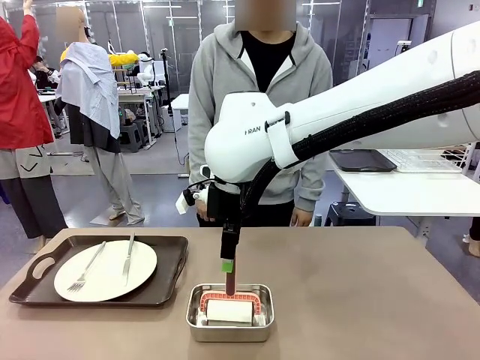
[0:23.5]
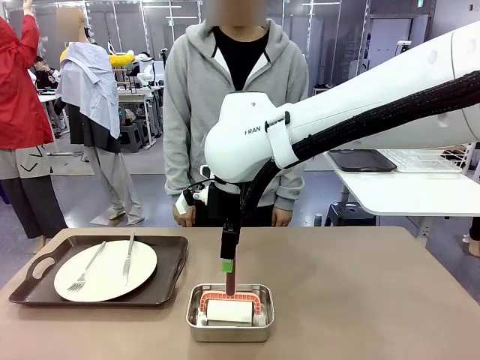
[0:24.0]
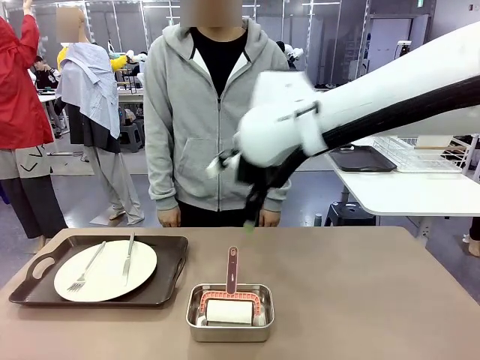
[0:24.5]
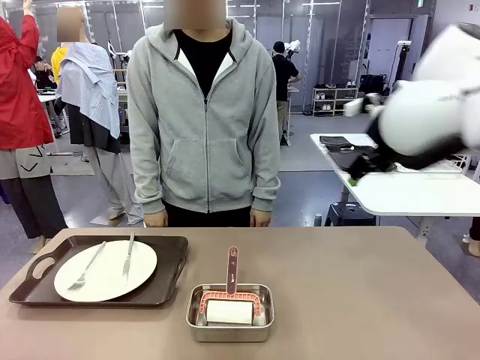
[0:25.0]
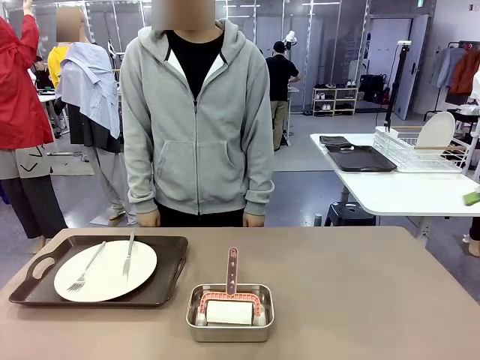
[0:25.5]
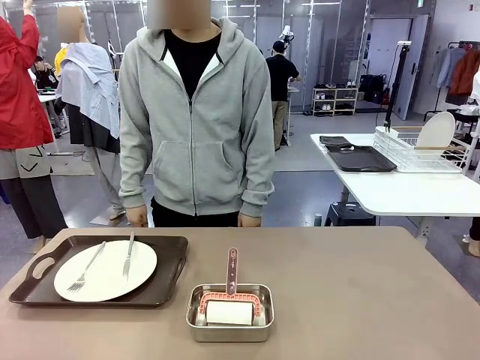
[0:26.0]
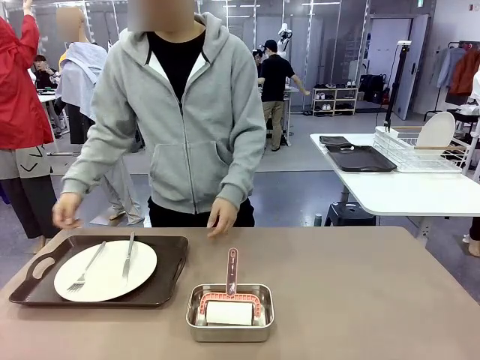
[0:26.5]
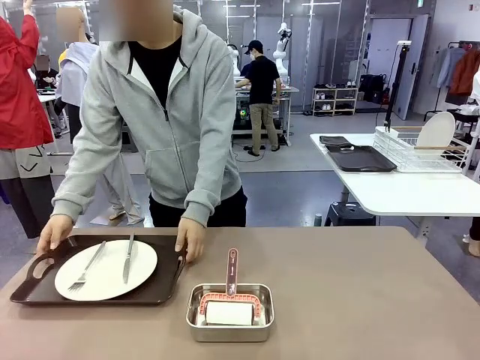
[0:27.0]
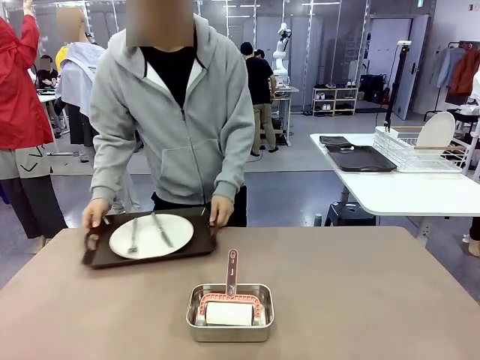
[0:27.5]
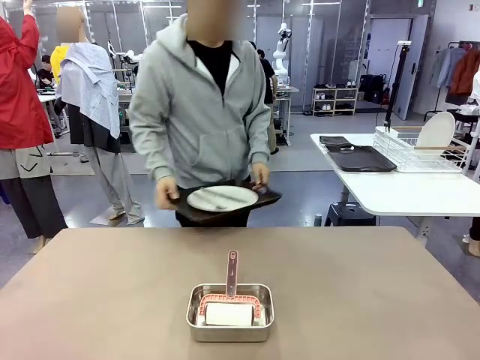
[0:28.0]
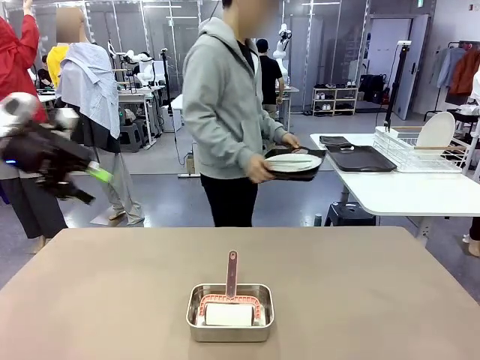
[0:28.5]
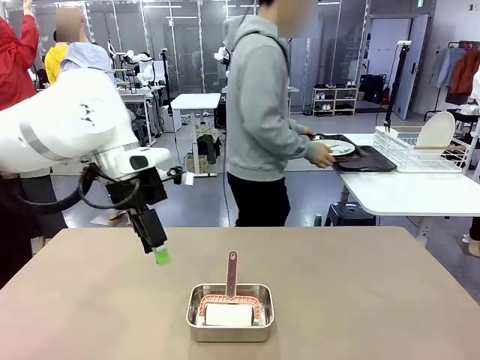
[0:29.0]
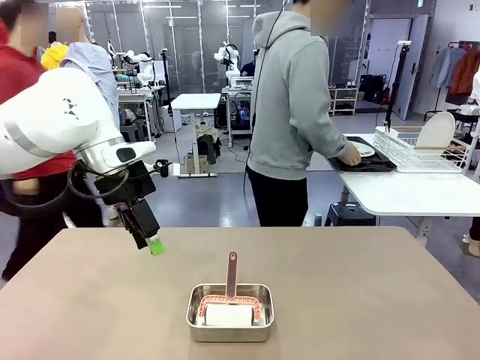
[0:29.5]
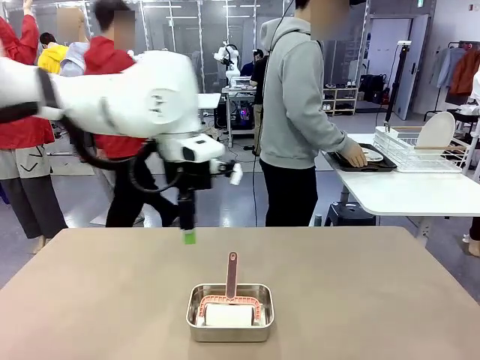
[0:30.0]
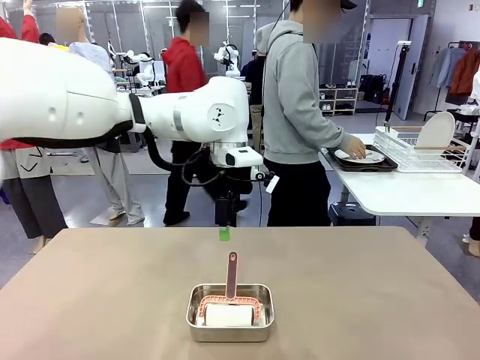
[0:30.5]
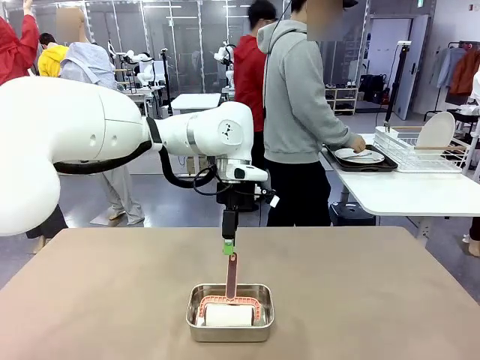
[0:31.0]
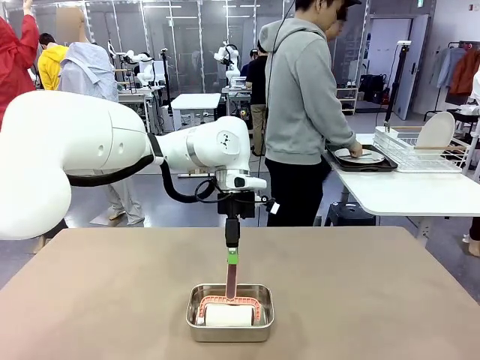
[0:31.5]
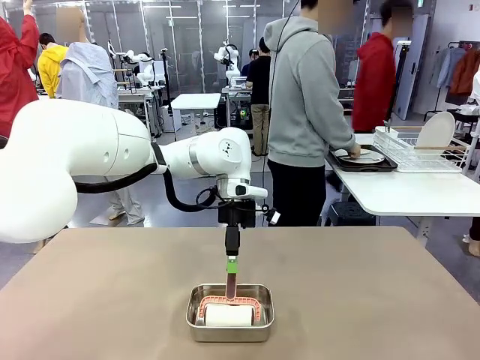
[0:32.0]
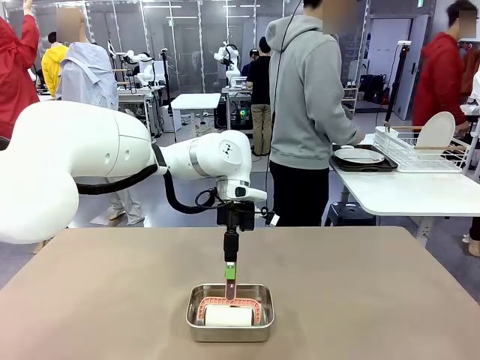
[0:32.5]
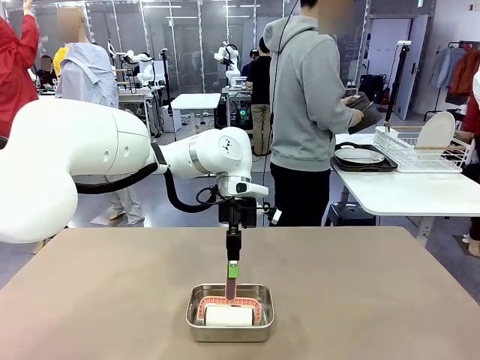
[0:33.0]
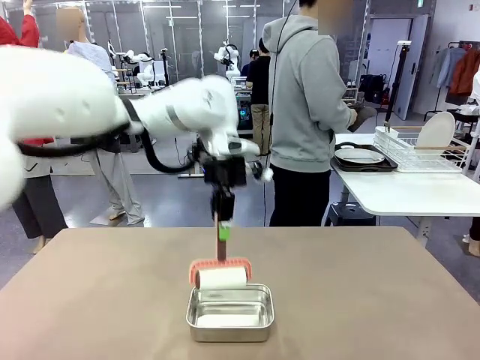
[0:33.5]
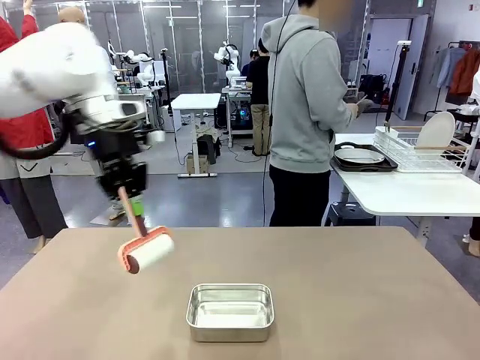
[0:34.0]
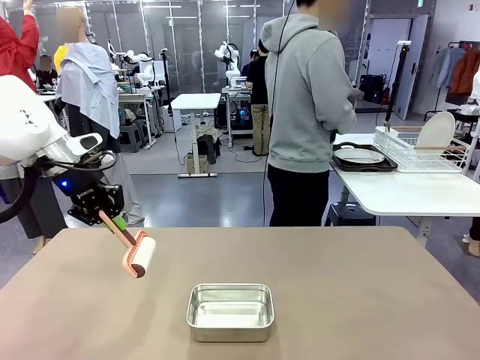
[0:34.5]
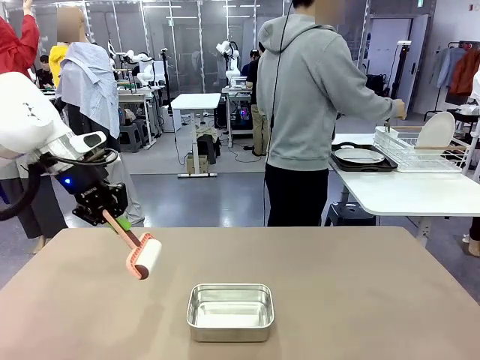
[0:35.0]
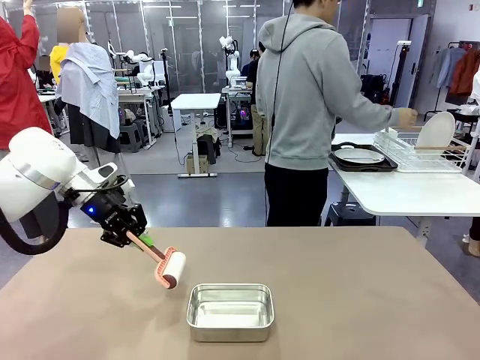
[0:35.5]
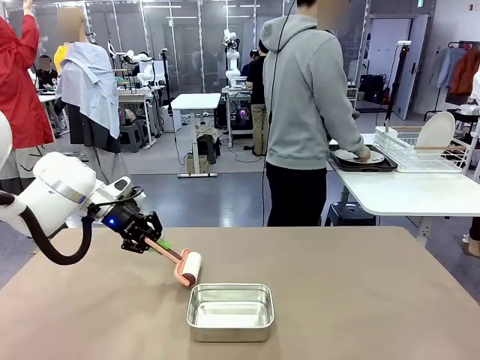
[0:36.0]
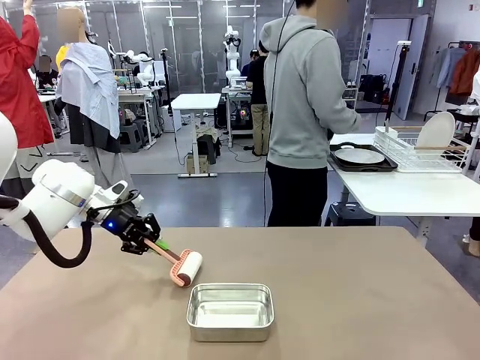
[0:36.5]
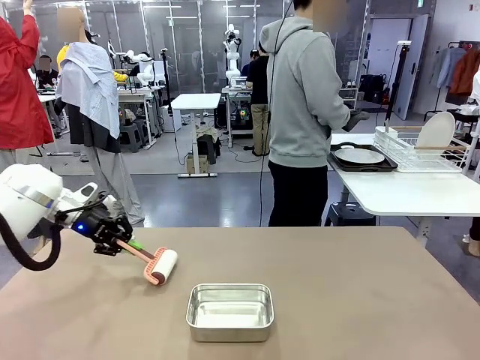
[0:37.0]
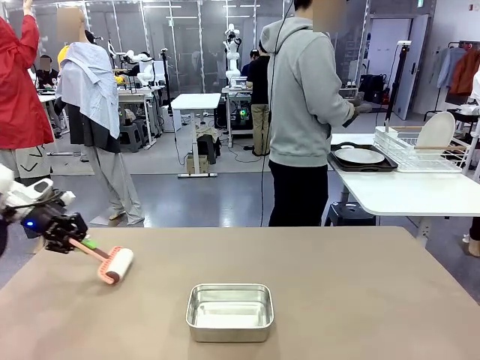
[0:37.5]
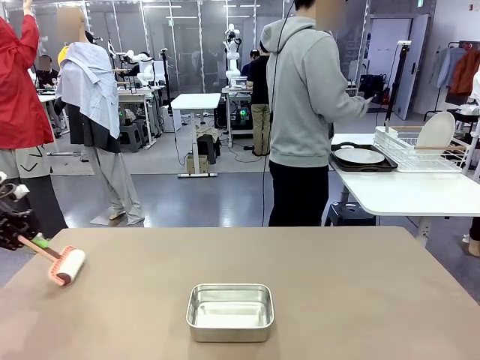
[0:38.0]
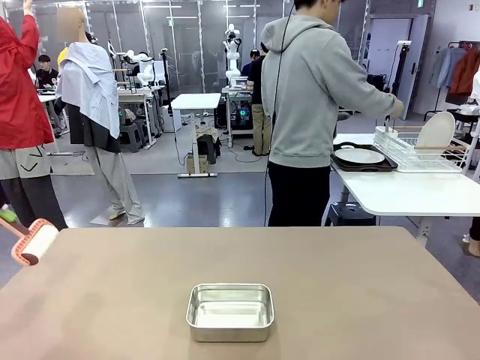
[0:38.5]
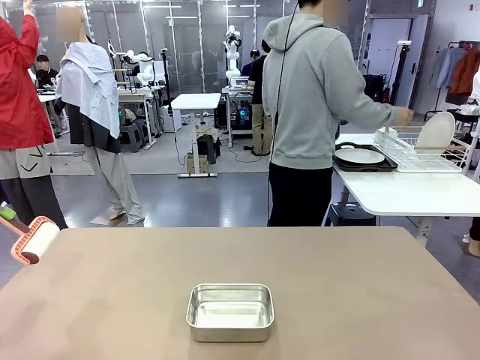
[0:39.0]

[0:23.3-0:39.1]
Robot: When the right (or left) Handle tray is removed, use the right hand (or left hand) to clean the right (or left) side of the table with the Lint Roller.
Person: Pick up the left (or right) Handle tray and place it on the Handle tray.

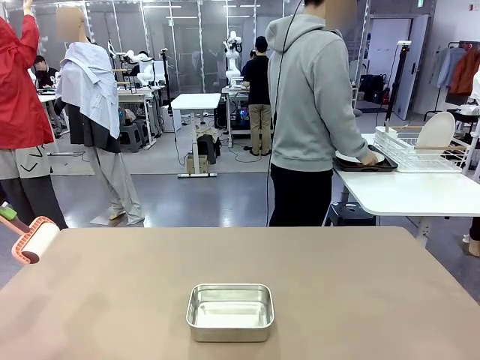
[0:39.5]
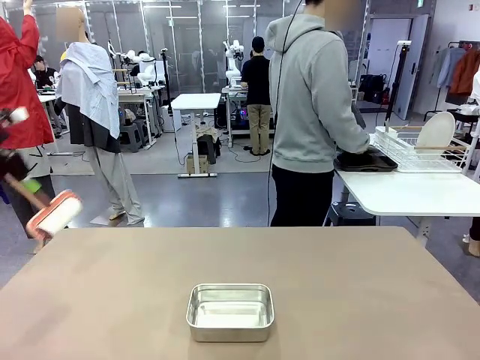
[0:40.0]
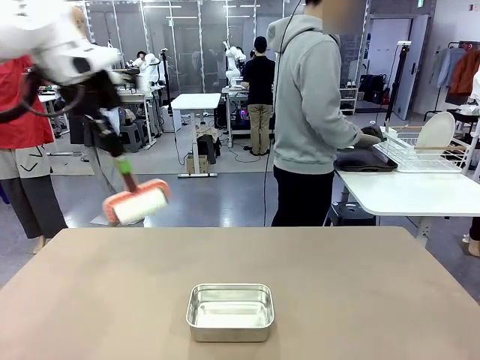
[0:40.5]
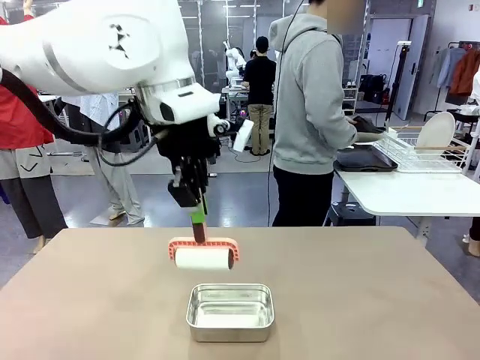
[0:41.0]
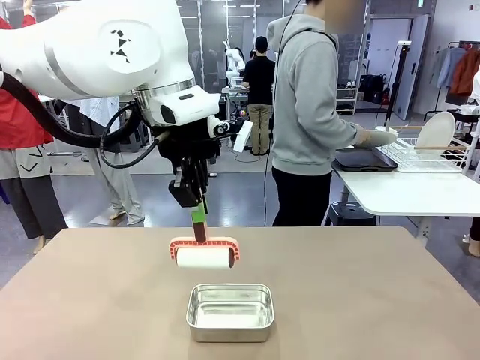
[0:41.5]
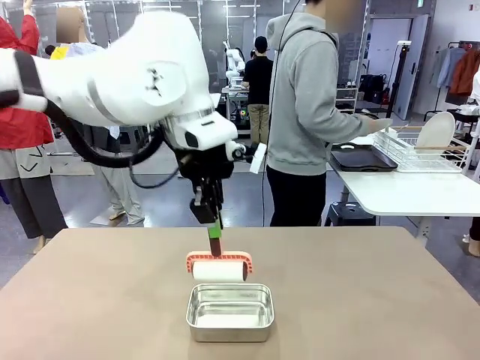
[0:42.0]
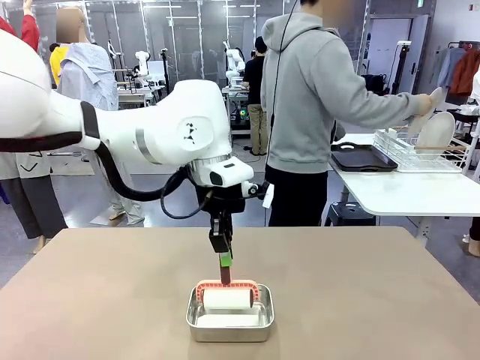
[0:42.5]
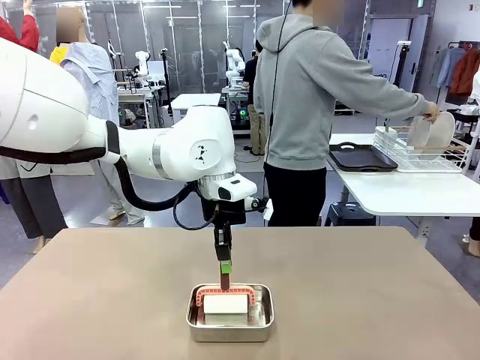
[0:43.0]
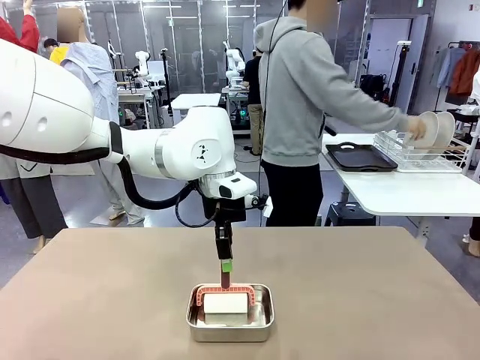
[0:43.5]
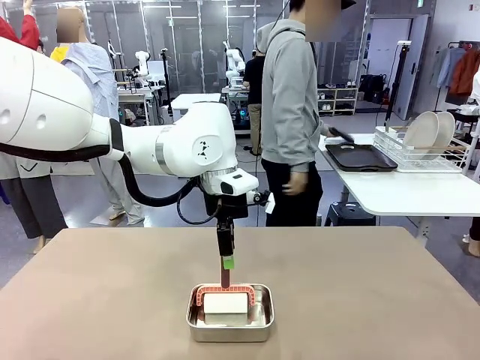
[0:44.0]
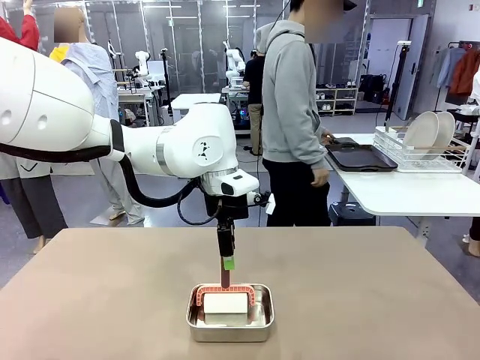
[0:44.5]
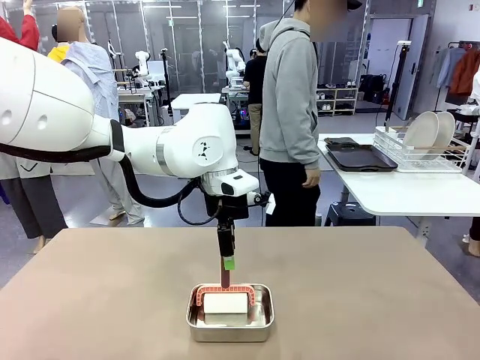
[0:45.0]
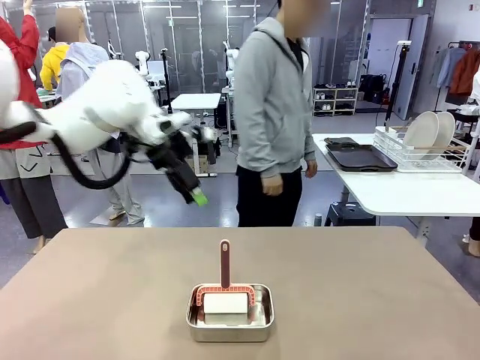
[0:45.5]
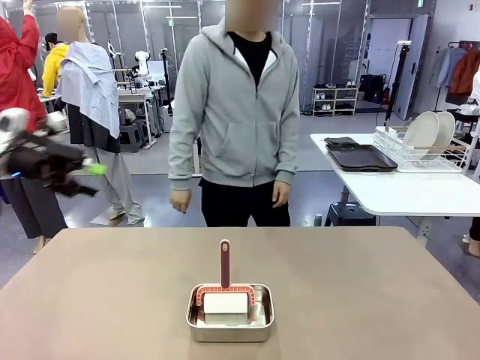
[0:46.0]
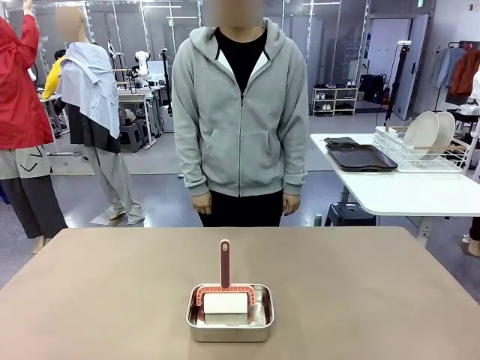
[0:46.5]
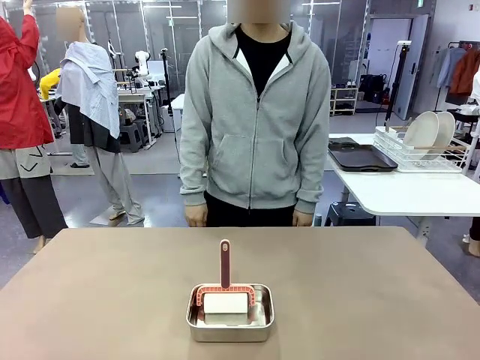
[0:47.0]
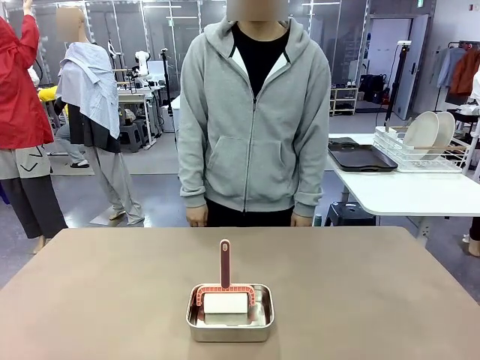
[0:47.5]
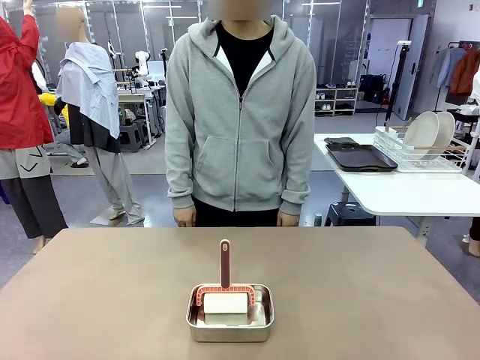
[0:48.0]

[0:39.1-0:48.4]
Robot: Place the Lint Roller back on top of the Airtight Container.
Person: Use the Towel with hook to wipe the Plastic Matte Plate , Fork , and Knife and place into the Dish drying rack.

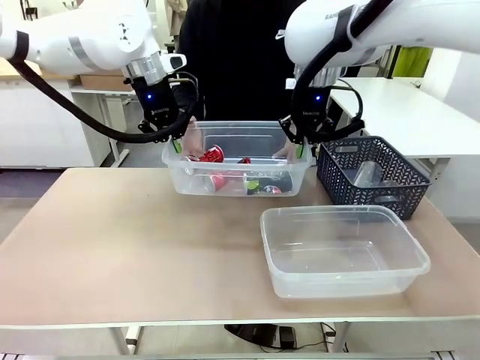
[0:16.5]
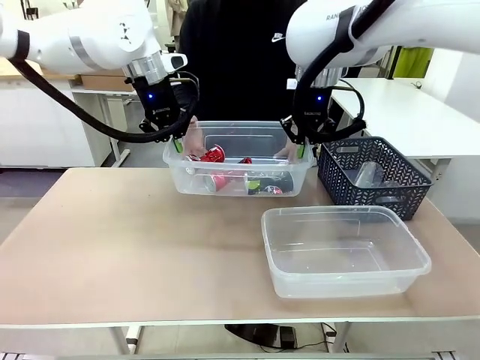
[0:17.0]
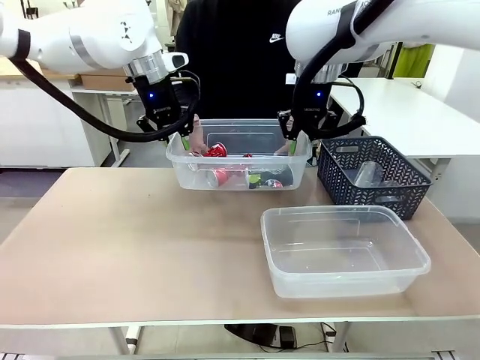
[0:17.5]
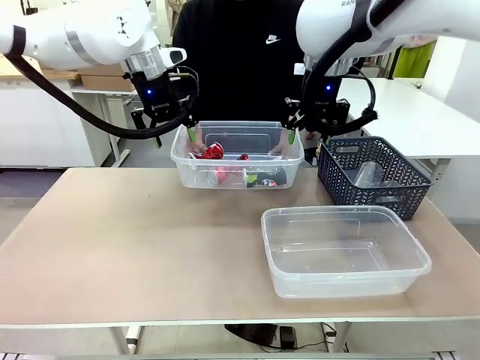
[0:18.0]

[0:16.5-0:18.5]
Robot: Release the Organizing box you were holding.
